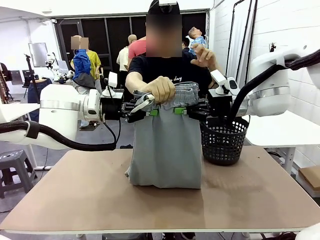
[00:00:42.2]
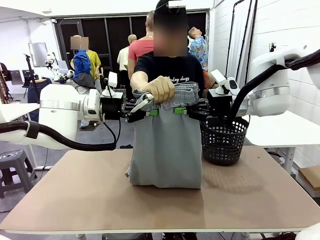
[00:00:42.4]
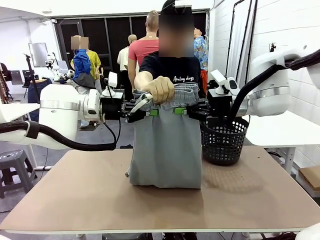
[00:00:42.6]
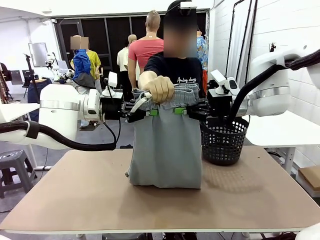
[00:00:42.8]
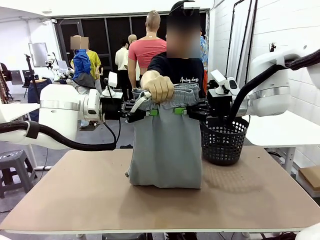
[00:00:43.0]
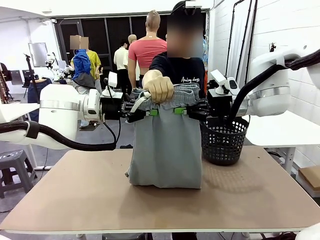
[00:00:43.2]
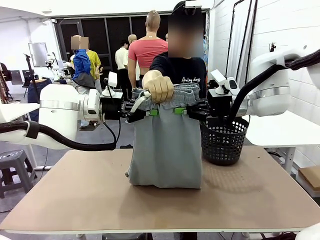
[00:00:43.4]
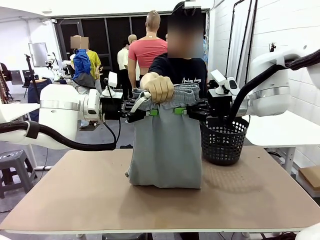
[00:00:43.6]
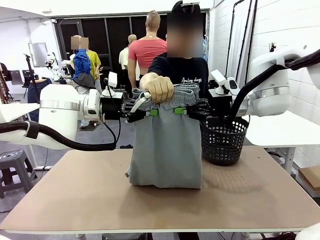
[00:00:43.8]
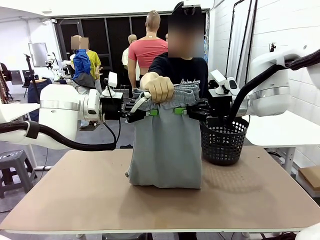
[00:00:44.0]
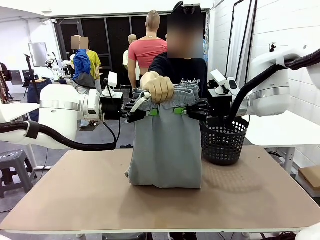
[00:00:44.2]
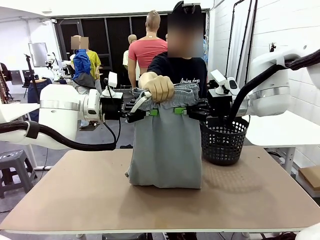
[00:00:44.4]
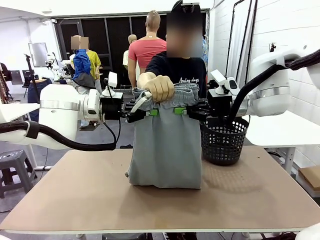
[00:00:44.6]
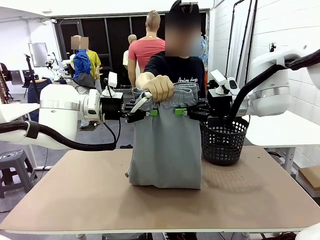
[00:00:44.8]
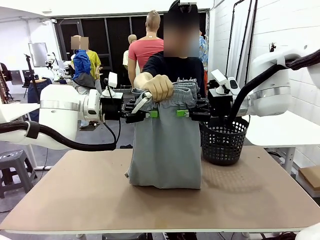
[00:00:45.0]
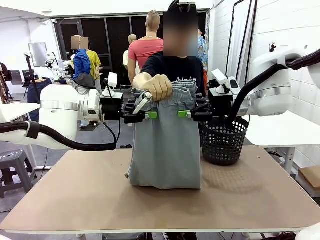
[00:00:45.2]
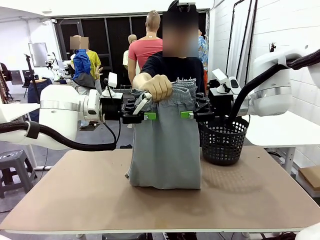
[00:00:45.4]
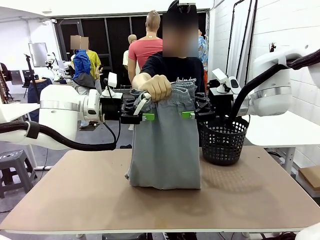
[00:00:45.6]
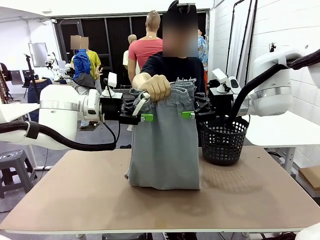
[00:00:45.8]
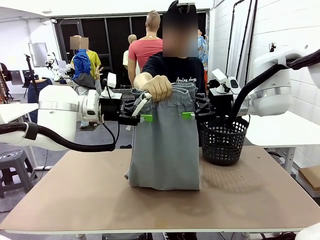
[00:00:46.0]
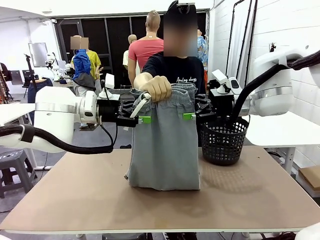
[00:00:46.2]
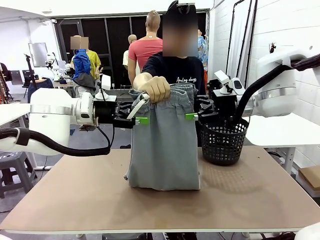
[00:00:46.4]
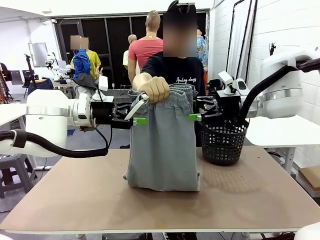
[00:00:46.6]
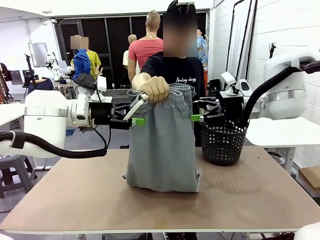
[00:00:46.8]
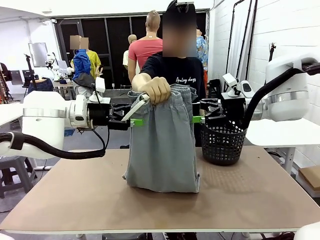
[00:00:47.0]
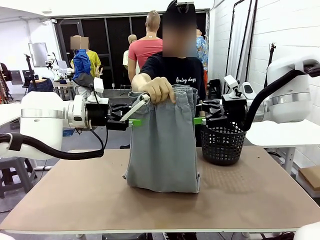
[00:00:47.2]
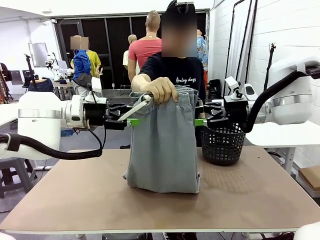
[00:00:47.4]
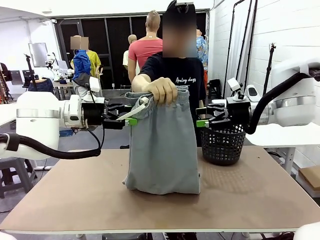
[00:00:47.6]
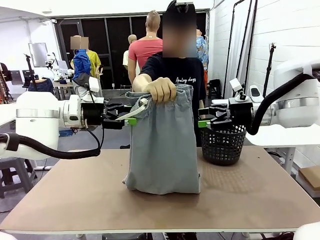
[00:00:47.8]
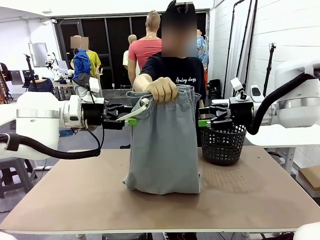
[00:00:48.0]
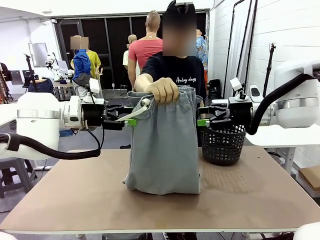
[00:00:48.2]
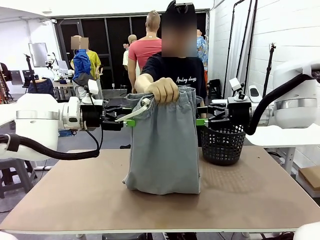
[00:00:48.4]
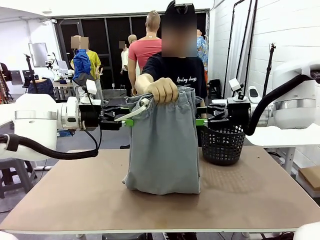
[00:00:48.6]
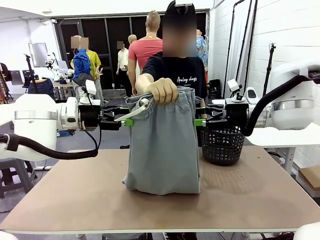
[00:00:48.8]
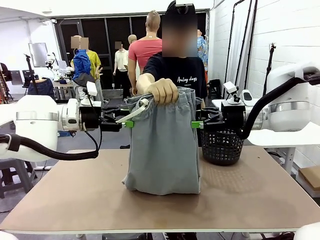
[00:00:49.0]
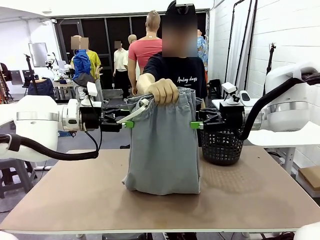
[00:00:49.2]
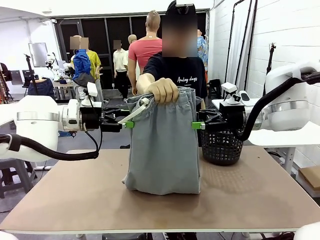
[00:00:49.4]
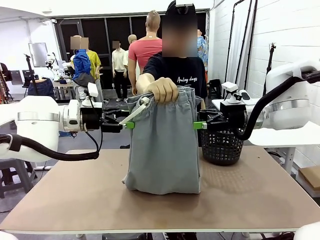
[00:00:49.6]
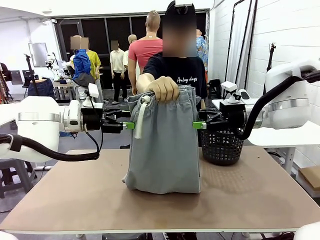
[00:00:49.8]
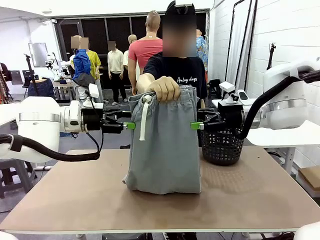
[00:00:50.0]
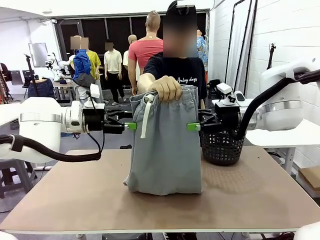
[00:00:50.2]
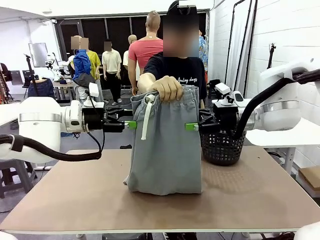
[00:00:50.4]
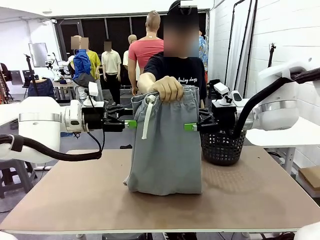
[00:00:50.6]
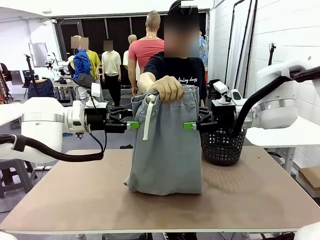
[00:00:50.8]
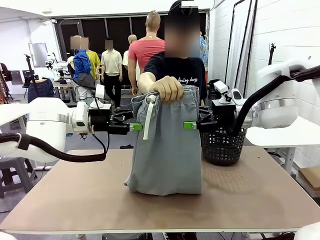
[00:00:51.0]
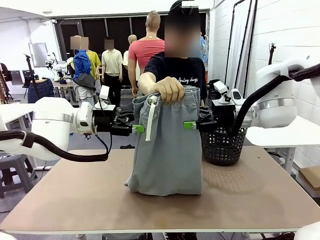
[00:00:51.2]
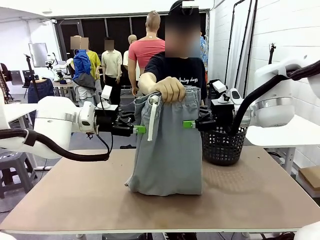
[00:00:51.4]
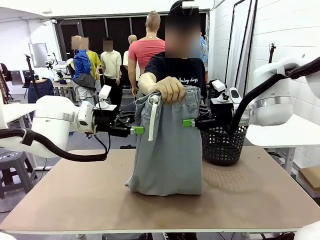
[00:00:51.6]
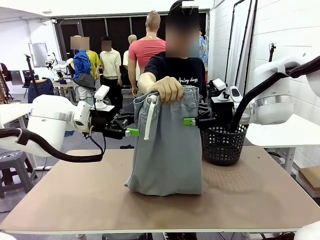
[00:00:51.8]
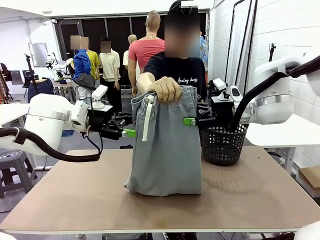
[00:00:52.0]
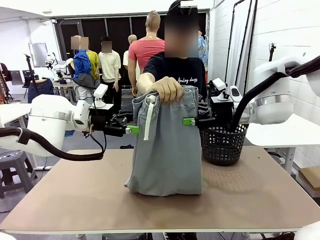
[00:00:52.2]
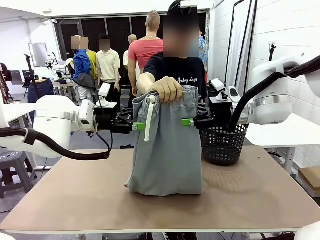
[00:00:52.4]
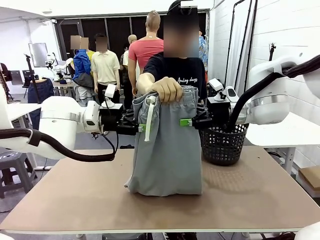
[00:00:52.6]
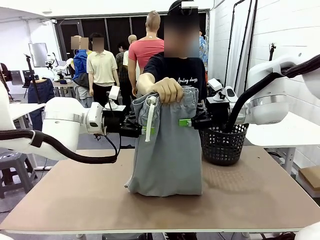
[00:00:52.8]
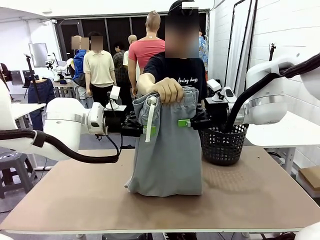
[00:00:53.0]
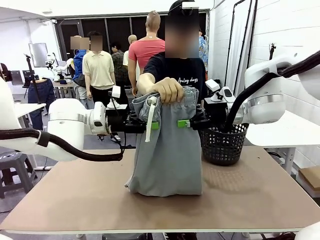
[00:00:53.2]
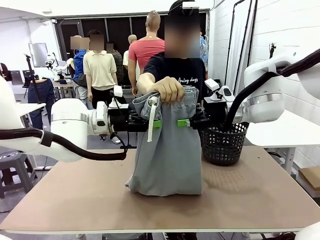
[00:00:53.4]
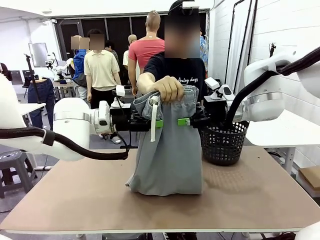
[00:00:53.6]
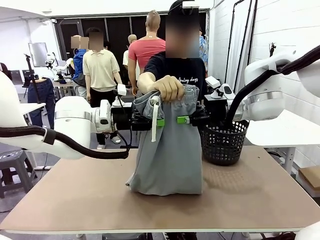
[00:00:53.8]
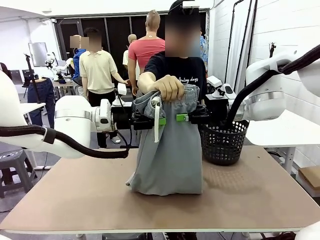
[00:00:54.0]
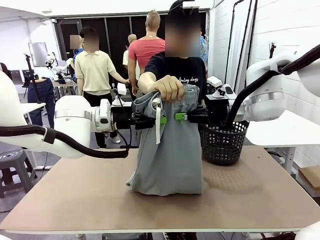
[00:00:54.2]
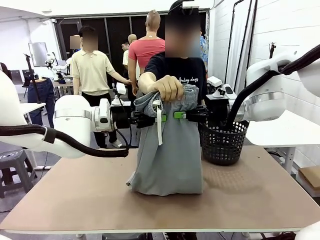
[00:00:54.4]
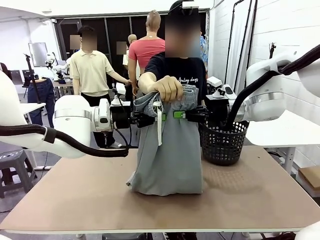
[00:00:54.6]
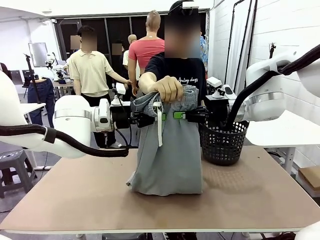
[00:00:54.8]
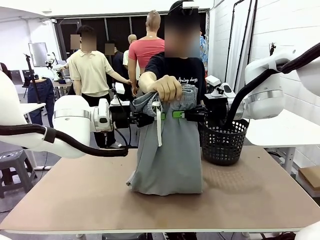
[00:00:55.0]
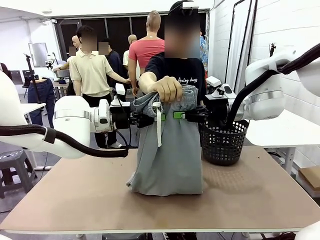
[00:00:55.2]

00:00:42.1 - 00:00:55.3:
Task: Fold the training pants.
Robot: Release the ends of the Training pants and then grab the overlapped ends.
Person: Release the pants you were holding.
